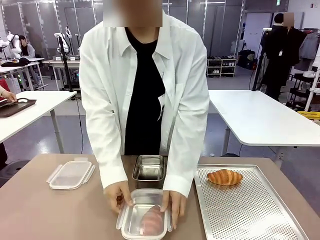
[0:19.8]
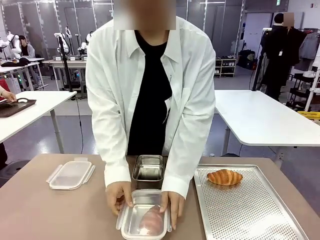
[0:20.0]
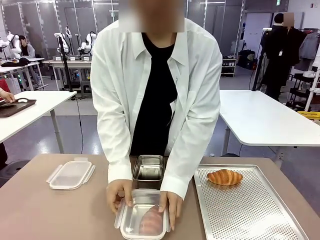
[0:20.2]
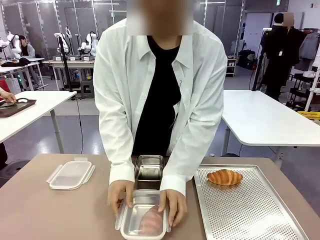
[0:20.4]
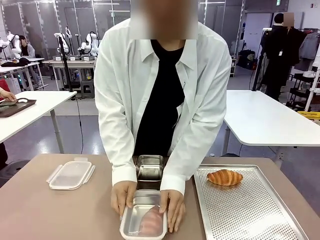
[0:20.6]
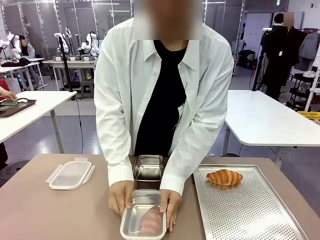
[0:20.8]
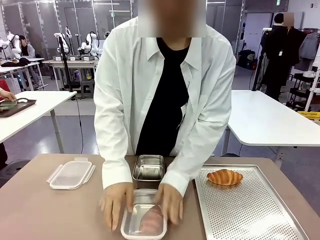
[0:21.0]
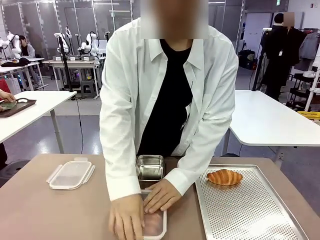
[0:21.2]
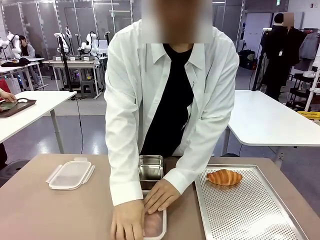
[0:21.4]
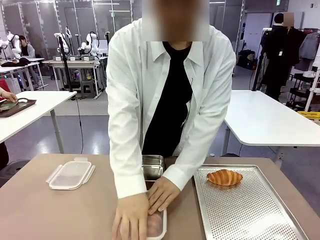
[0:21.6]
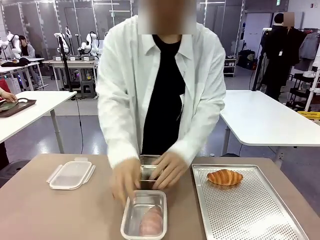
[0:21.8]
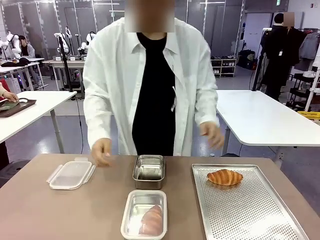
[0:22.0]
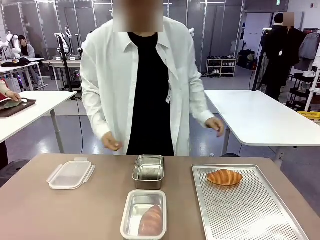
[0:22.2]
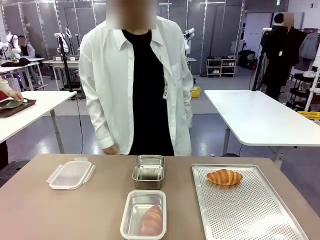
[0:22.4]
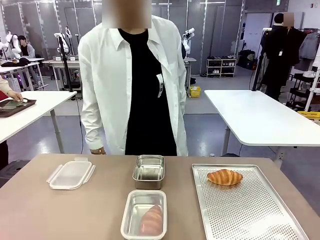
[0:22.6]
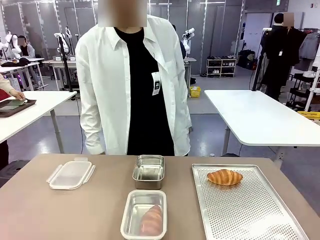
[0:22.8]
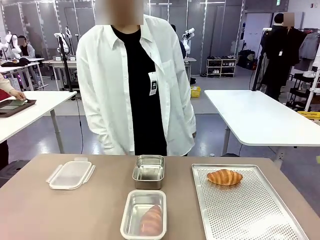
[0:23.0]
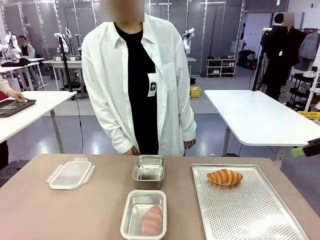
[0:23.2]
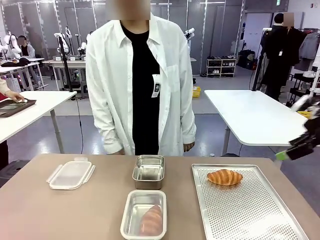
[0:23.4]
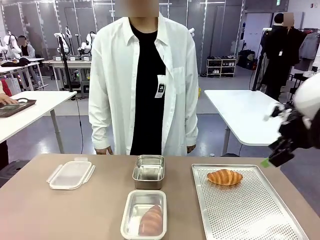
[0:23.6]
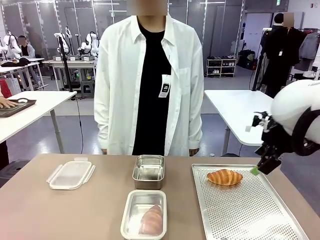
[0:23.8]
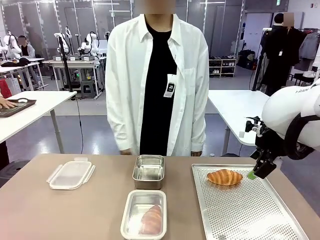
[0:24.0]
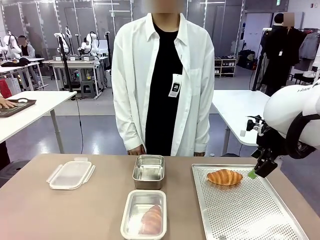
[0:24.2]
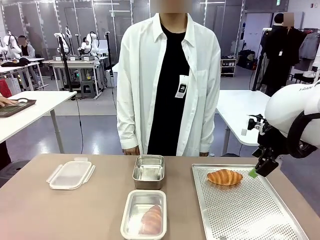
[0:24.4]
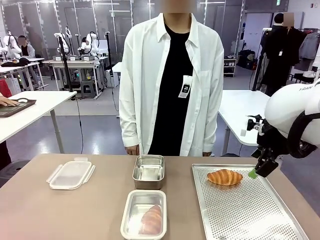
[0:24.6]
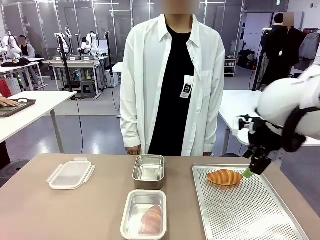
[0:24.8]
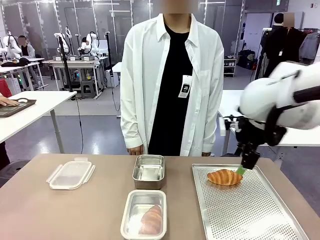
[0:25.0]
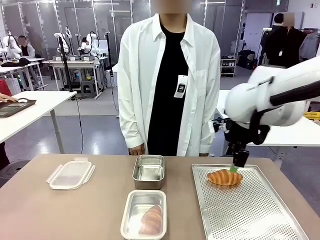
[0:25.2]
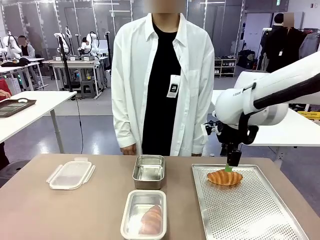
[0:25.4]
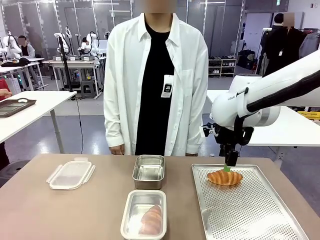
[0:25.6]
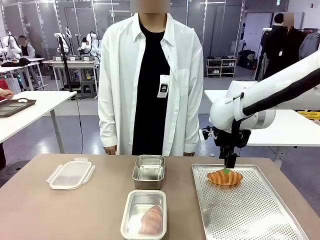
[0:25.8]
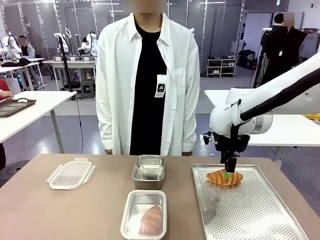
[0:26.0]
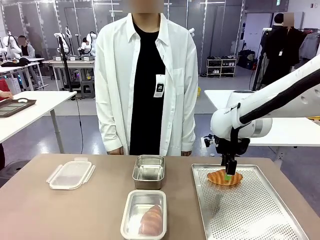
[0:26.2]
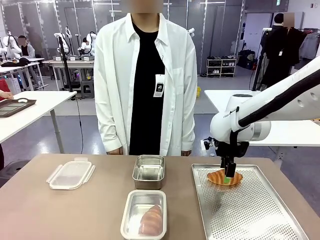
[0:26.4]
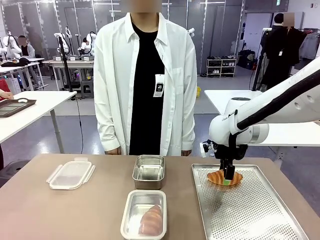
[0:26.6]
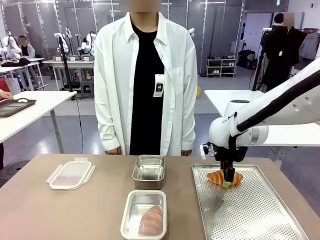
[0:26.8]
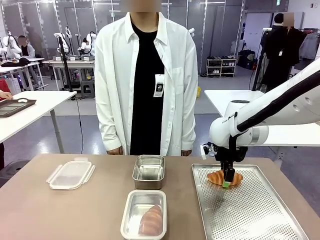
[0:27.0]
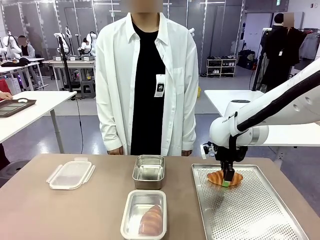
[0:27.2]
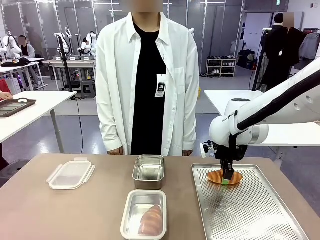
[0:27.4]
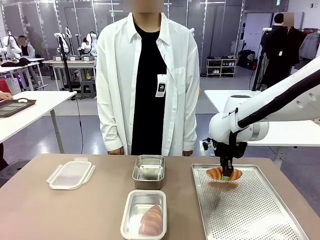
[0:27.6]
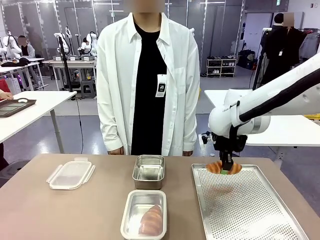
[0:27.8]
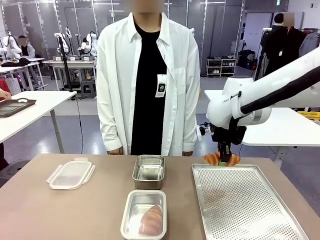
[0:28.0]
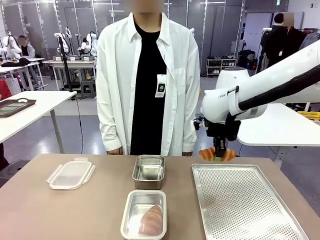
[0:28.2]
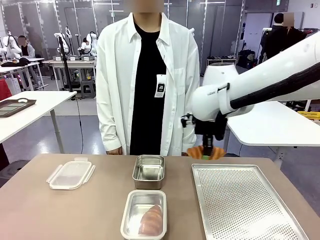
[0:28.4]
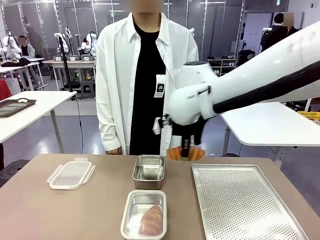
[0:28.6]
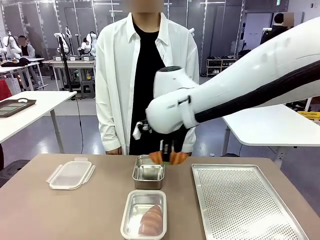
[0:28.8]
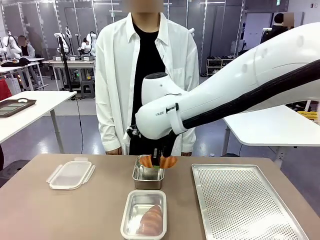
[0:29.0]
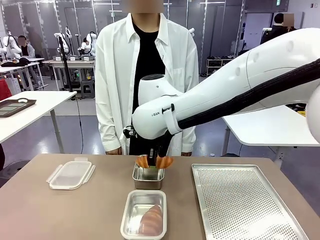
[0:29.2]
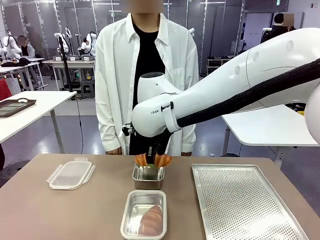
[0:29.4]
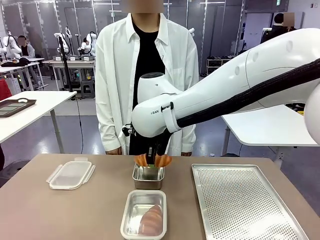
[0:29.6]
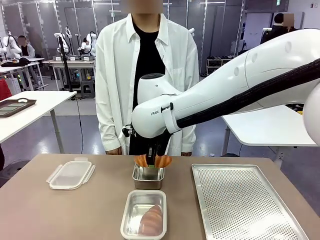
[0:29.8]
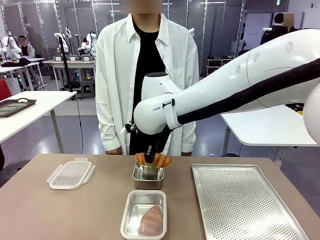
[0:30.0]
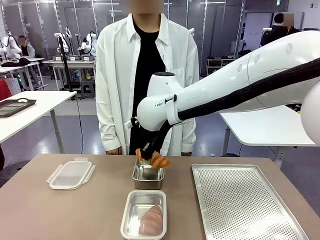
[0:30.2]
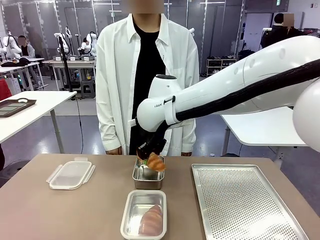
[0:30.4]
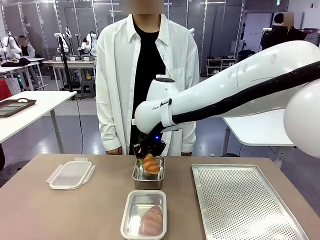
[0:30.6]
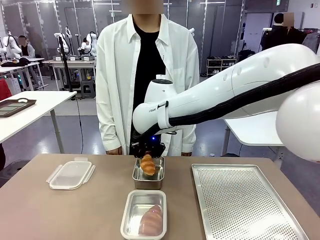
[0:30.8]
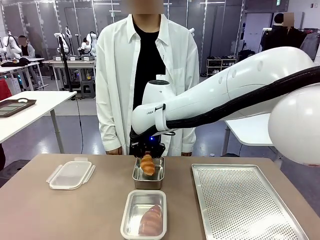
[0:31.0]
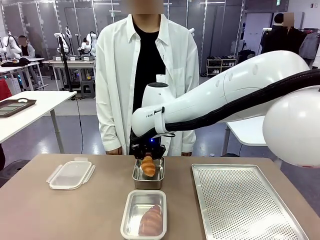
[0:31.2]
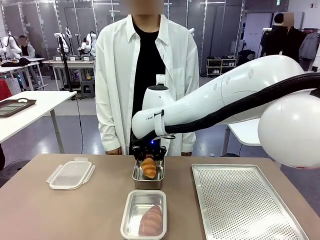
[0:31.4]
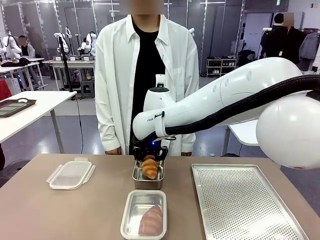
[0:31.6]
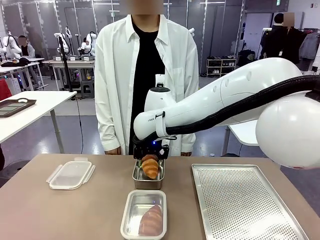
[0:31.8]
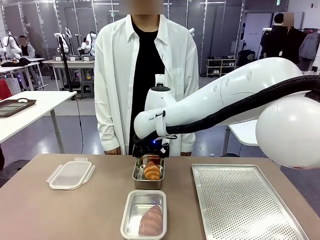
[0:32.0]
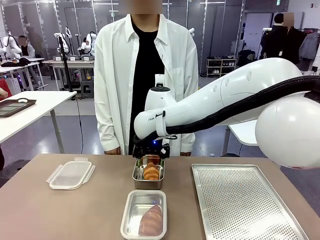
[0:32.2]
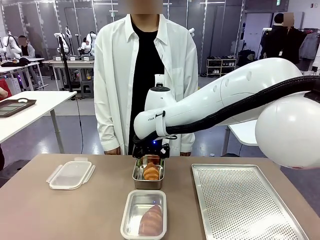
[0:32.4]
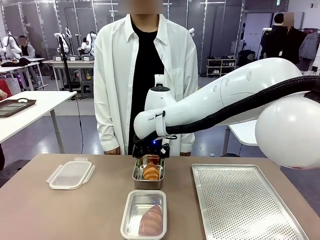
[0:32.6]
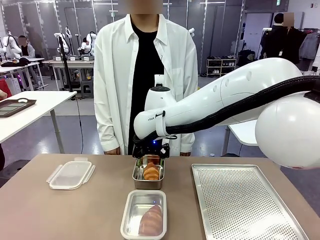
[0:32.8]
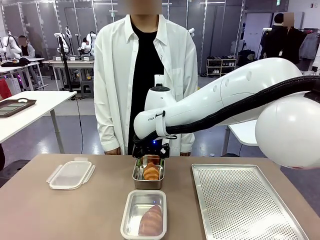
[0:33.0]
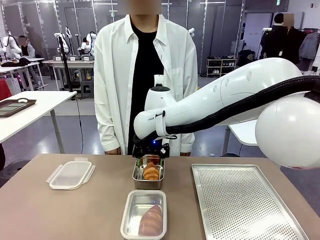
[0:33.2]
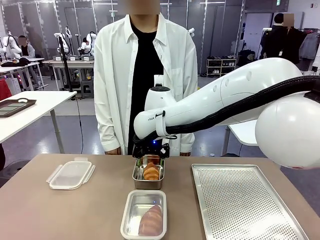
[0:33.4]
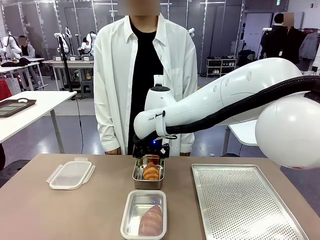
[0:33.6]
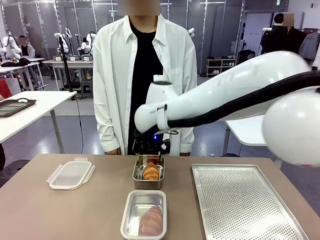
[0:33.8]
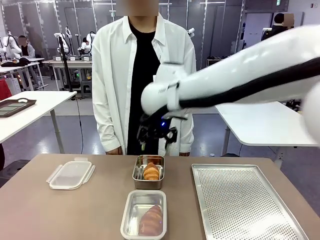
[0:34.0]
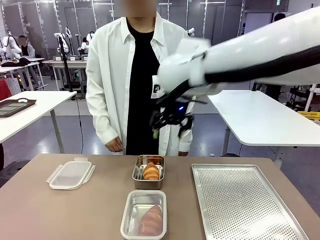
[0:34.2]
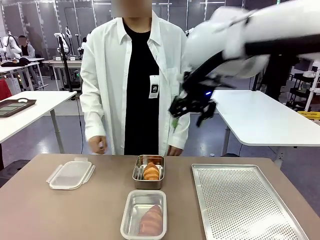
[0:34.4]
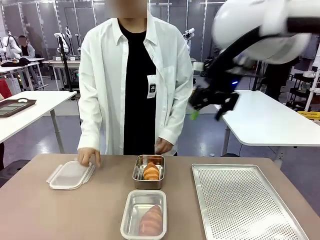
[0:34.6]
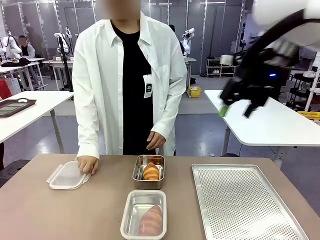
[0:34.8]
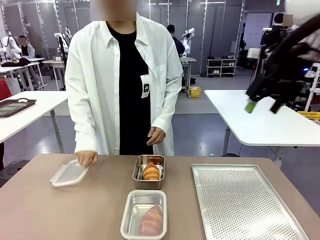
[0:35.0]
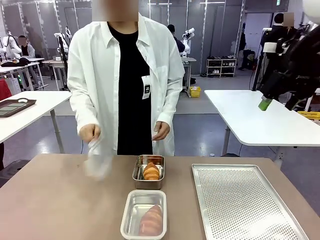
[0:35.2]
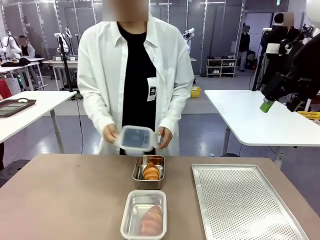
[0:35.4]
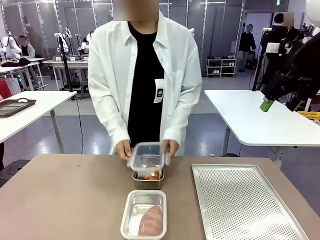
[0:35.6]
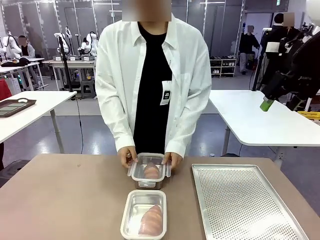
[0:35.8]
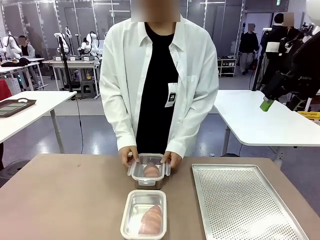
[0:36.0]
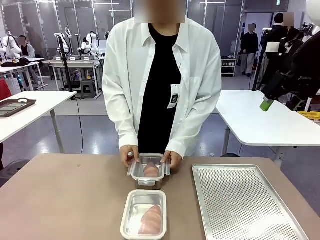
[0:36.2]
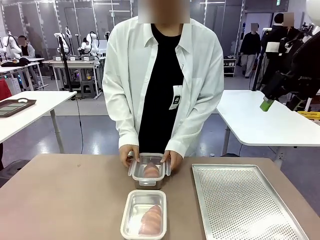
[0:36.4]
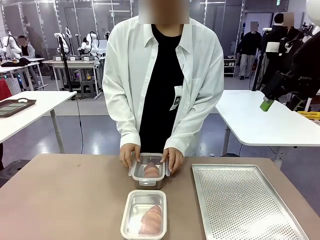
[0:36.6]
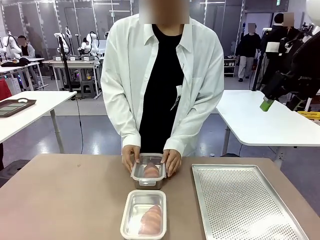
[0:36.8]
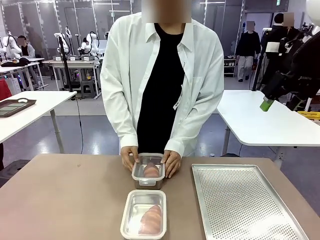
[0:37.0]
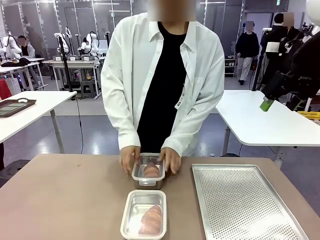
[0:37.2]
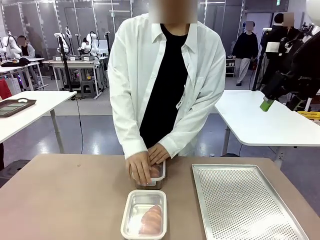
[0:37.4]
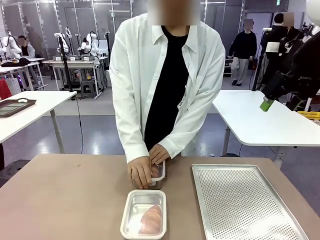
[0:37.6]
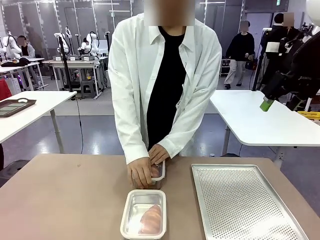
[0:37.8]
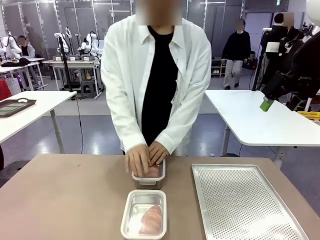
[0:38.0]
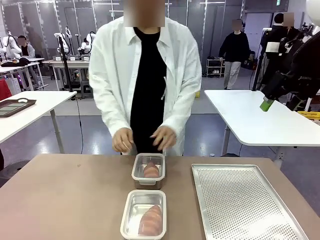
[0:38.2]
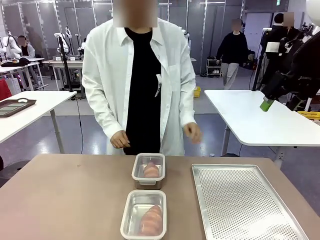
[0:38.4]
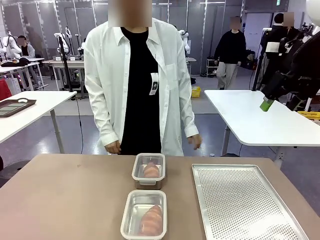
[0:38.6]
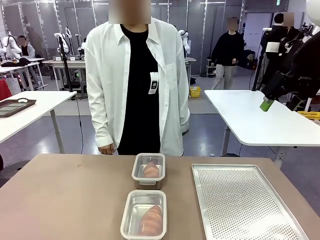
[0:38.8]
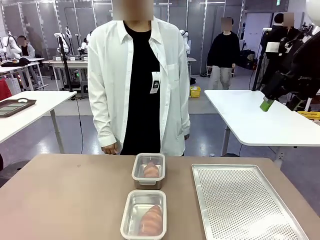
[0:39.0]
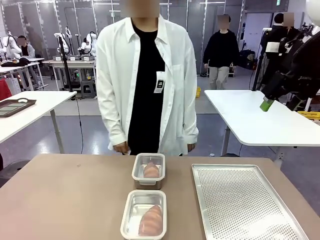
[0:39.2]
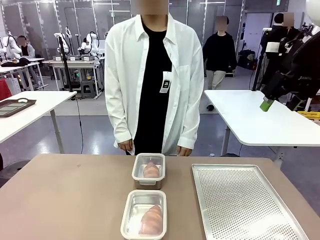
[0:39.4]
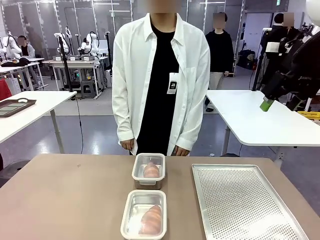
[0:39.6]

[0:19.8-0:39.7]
Task: Place the bread into the airtight container.
Robot: Pick up a Butter Roll and place it into an empty Airtight Container.
Person: Once a Butter Roll is inside an Airtight Container , close the lid of that Airtight Container.
